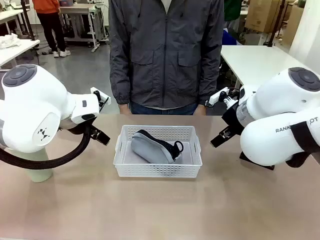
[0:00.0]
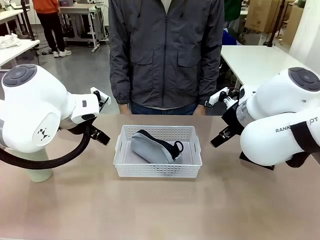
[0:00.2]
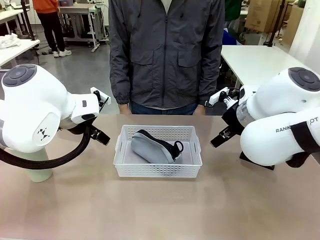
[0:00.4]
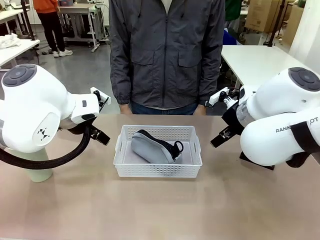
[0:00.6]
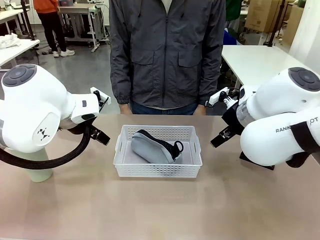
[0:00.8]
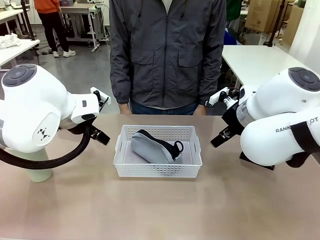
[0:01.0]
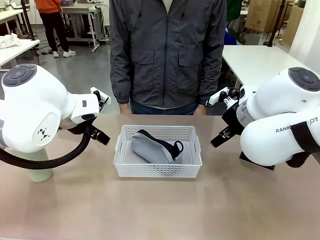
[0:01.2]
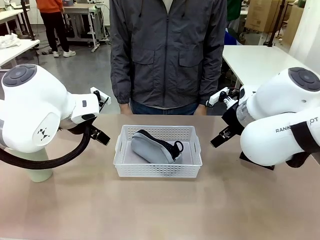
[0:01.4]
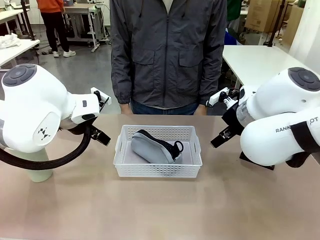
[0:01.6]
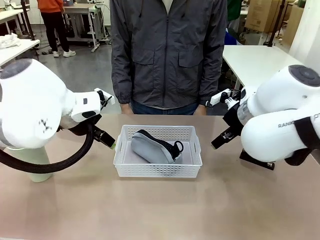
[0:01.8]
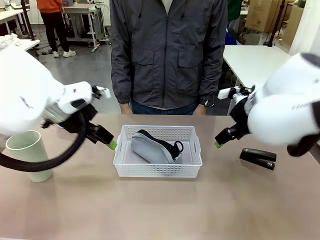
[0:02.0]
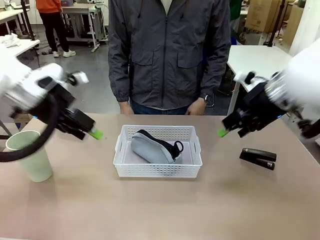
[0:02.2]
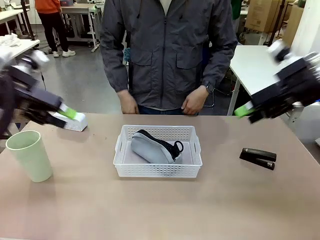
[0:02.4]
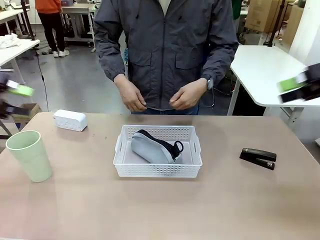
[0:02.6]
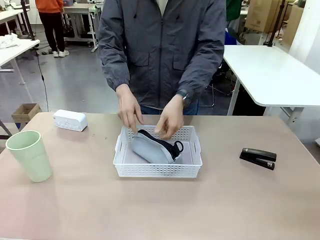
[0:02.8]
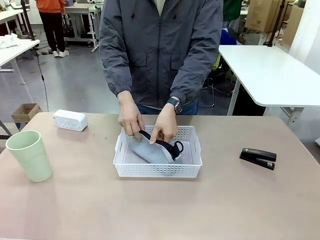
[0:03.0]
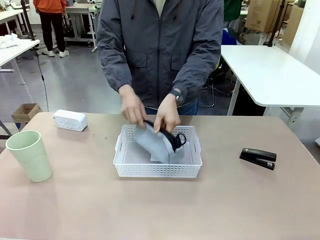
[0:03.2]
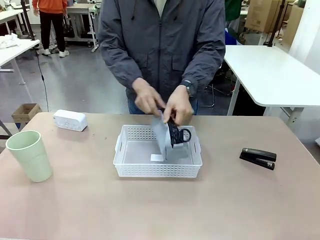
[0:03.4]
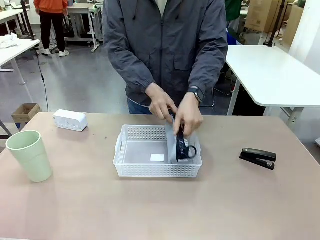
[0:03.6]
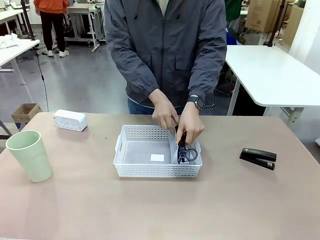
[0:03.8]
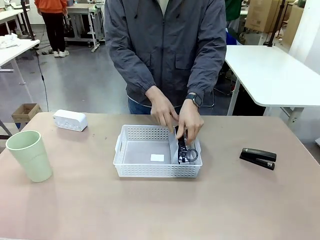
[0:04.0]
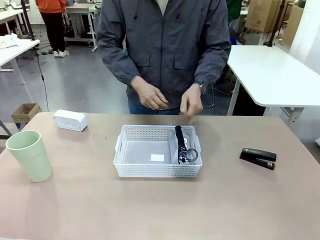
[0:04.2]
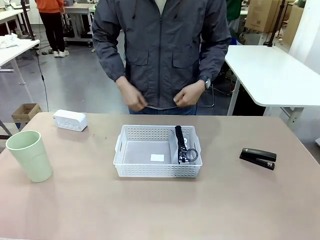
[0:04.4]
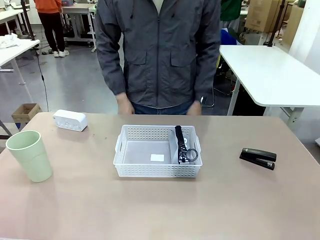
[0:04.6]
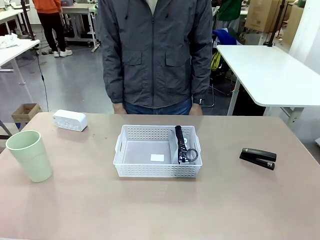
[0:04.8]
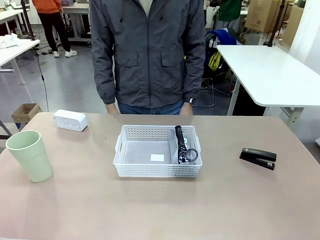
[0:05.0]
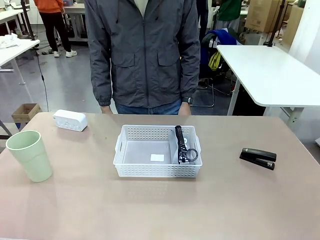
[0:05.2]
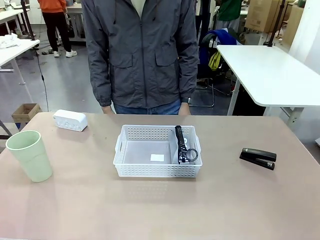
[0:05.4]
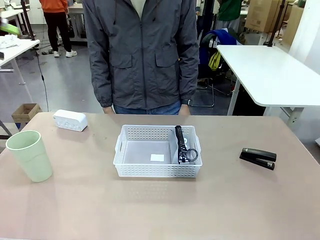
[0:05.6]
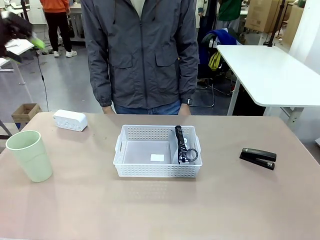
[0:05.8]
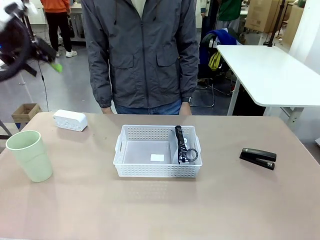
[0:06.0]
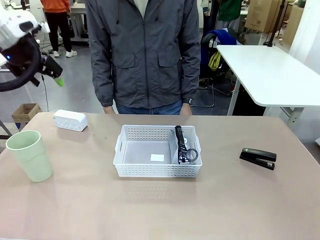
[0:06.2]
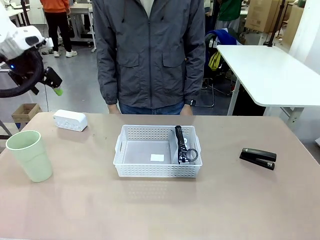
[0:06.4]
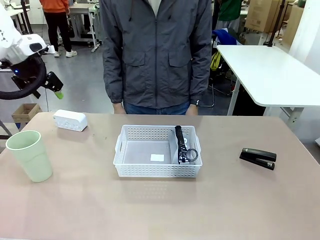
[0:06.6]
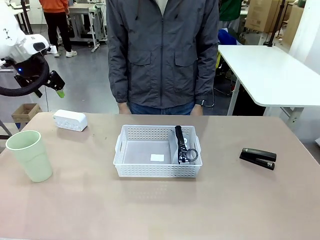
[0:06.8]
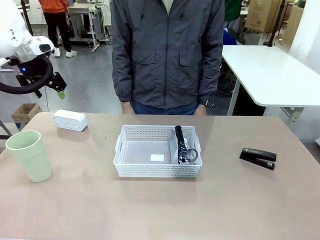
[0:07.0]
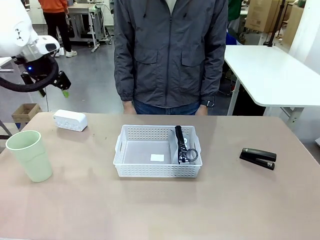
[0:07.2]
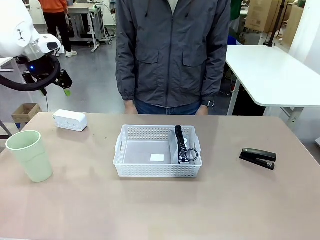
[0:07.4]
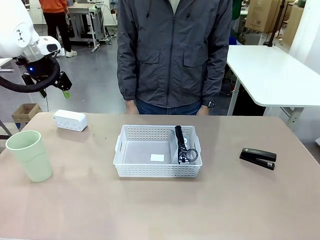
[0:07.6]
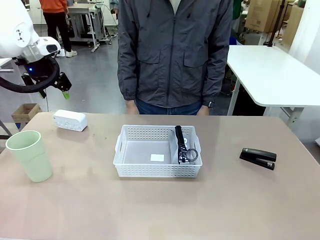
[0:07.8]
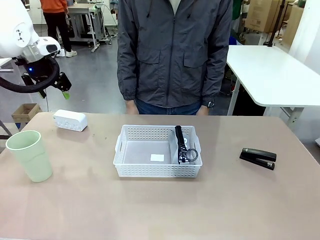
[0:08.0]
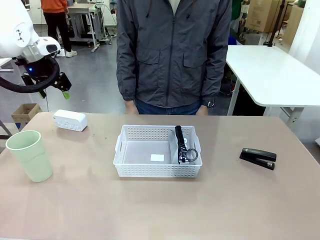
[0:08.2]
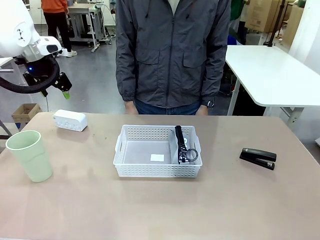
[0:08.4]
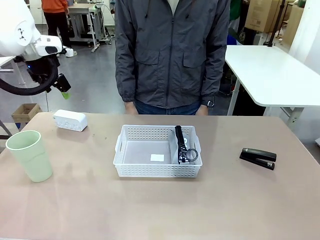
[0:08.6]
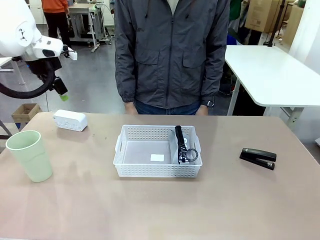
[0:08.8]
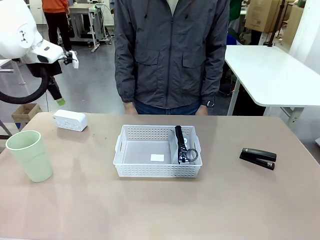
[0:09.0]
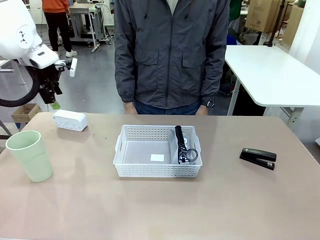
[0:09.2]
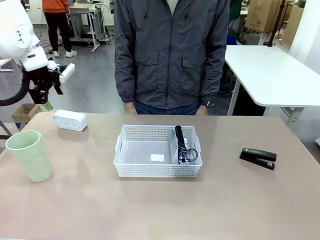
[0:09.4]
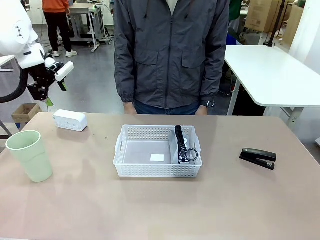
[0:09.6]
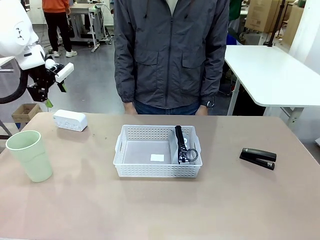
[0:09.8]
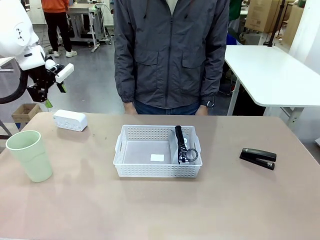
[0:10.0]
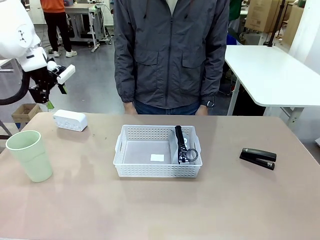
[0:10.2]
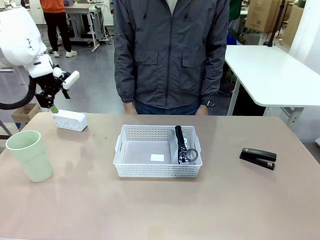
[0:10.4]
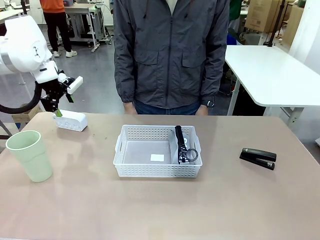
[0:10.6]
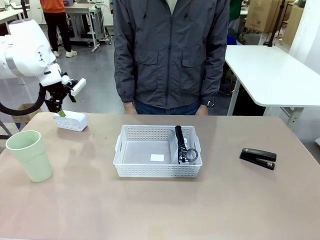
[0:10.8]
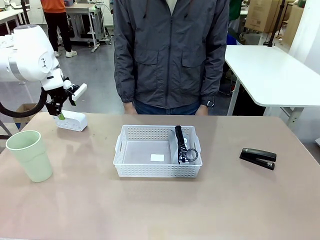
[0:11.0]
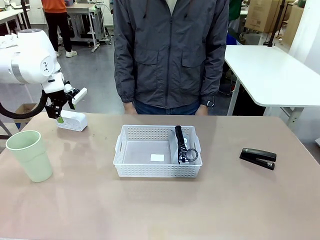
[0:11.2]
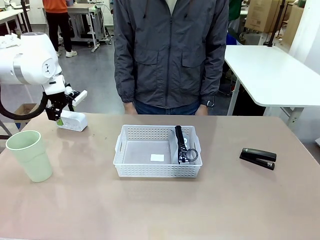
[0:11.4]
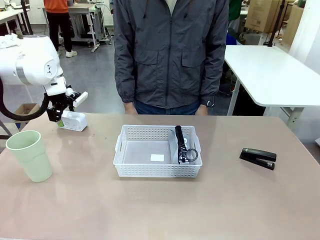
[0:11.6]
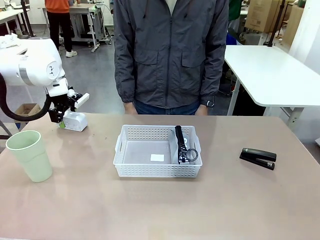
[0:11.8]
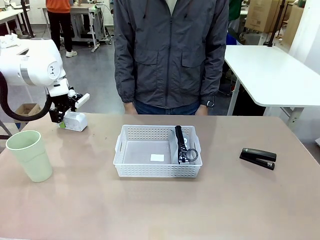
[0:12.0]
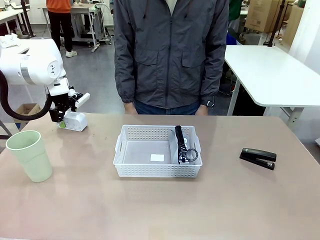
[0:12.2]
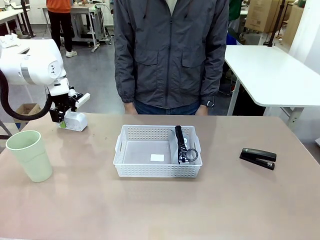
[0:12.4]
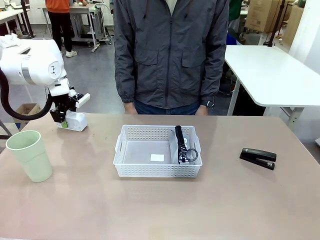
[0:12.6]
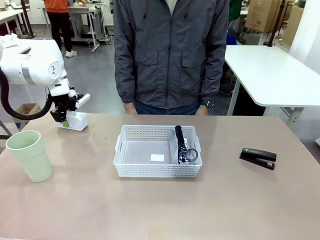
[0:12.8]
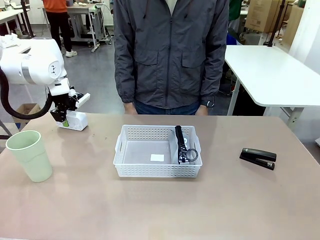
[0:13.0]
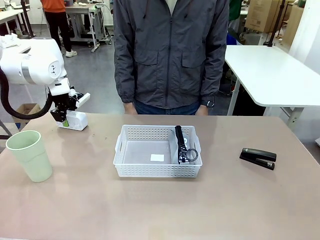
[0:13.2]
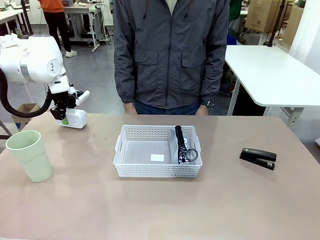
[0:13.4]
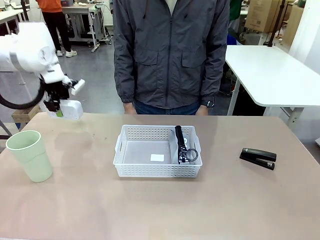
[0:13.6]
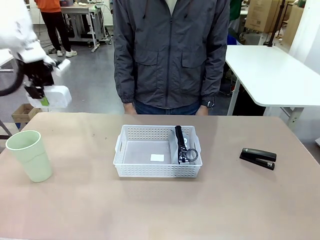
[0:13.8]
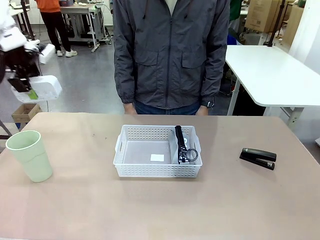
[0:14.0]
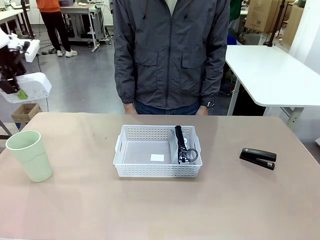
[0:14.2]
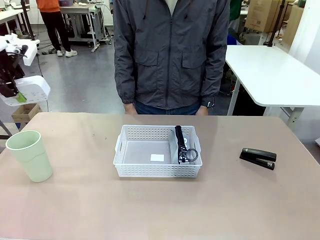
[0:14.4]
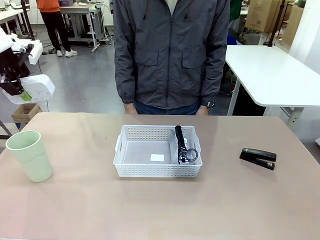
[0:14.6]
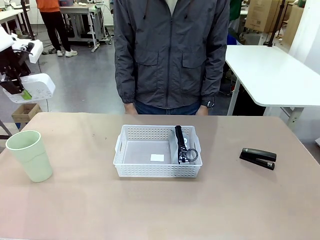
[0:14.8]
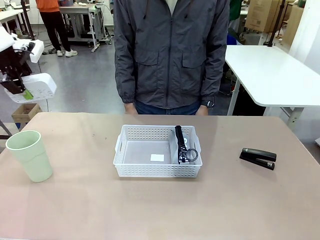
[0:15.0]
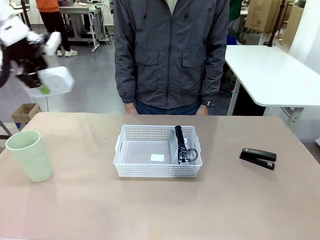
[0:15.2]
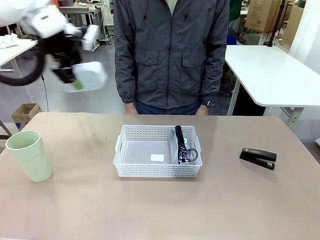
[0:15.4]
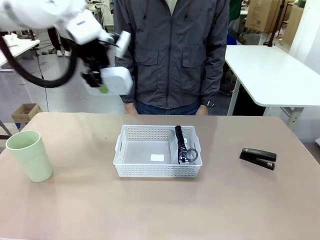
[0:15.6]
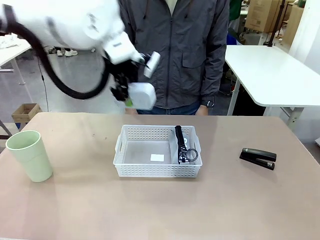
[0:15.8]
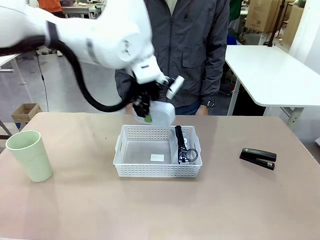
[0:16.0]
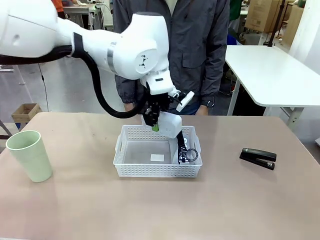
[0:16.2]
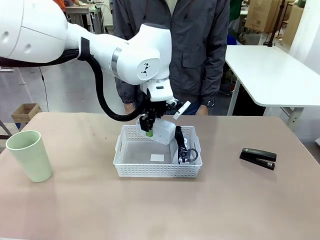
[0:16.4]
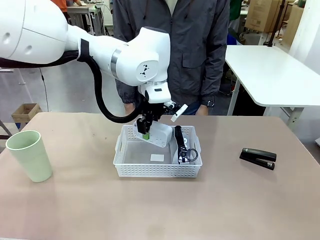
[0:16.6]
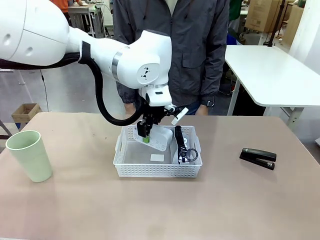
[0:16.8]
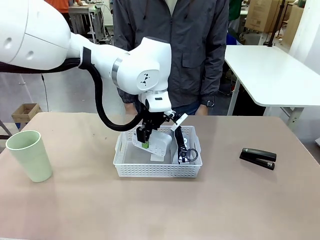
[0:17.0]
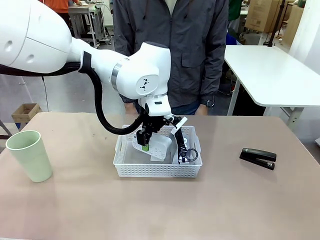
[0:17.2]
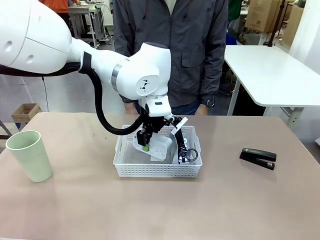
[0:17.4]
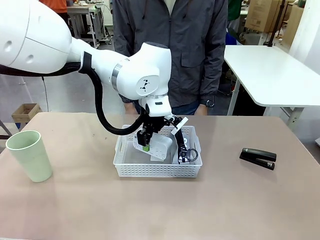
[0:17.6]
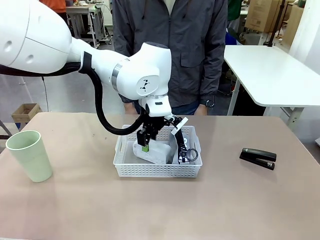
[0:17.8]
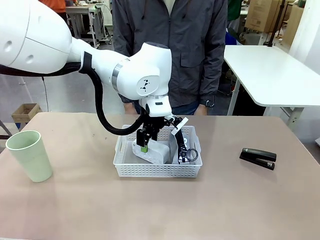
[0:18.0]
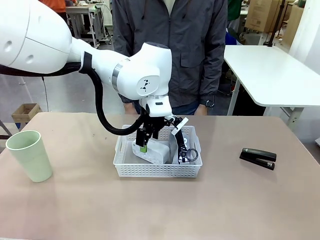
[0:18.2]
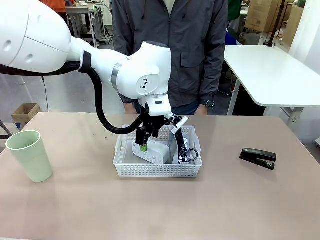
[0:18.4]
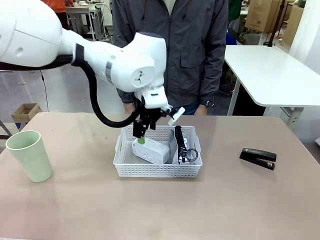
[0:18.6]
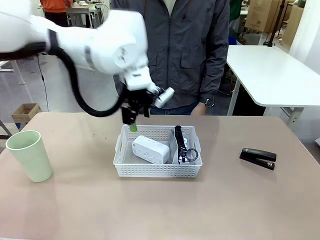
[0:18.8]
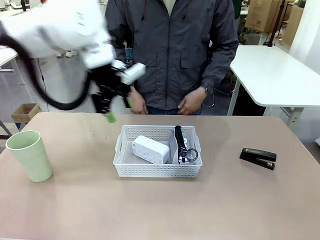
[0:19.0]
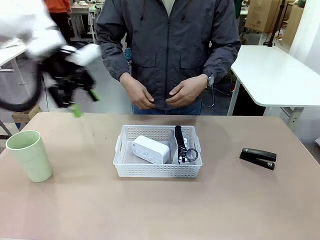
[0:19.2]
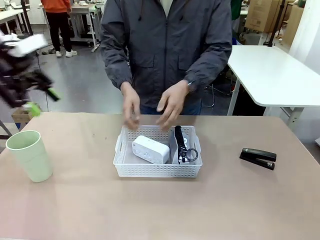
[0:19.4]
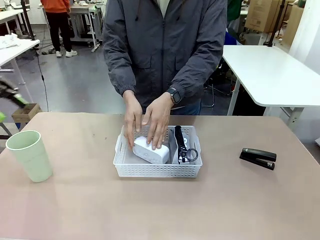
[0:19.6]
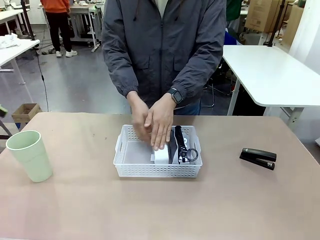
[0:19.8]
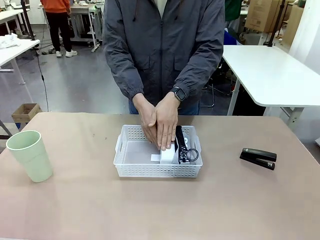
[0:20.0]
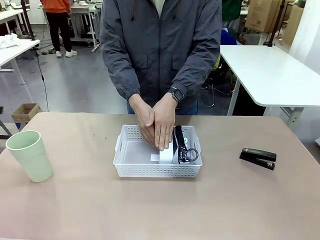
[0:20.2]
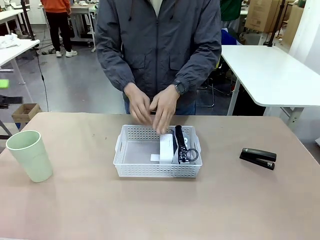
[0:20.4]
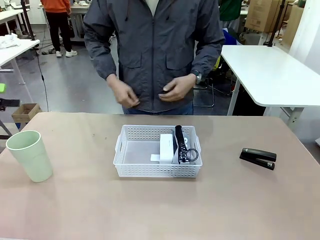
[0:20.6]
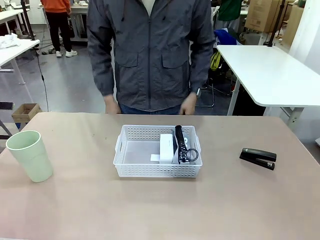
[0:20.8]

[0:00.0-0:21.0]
Task: Efficiently arrange items inside the basket to fit them all.
Robot: Pick up the Digital clock and place it inside the Organizing basket.
Person: Repositions the pencil case. Repositions the digital clock.
